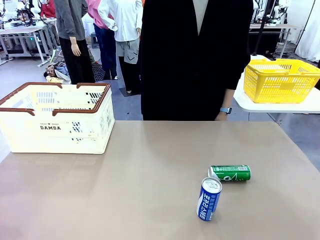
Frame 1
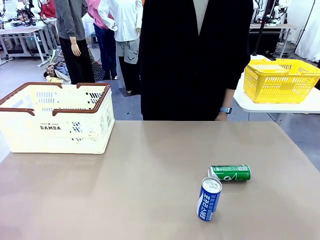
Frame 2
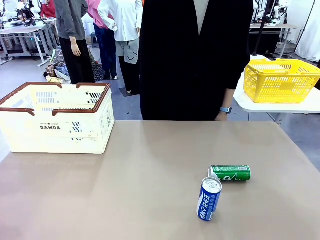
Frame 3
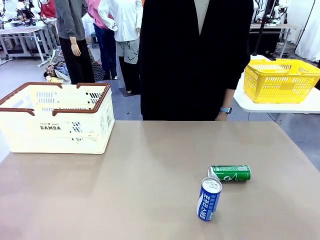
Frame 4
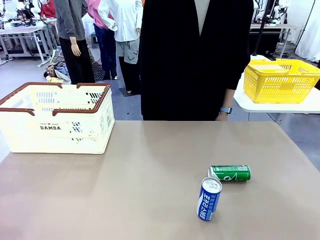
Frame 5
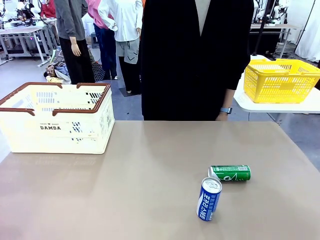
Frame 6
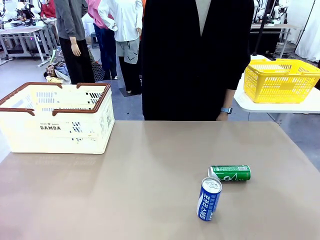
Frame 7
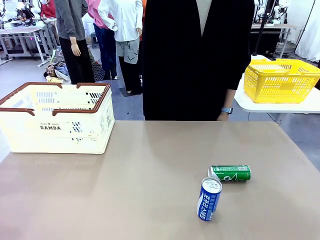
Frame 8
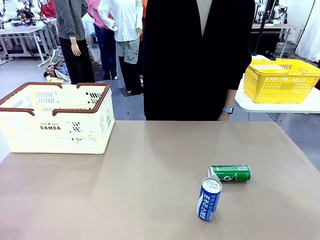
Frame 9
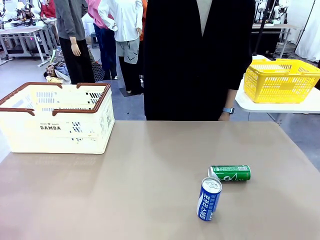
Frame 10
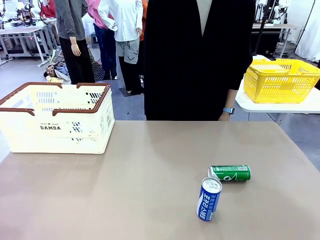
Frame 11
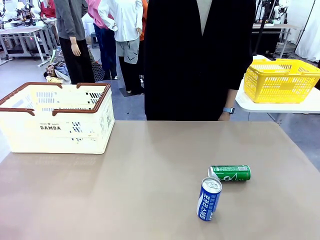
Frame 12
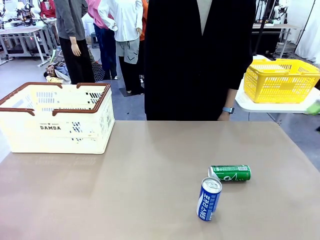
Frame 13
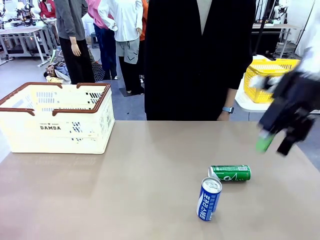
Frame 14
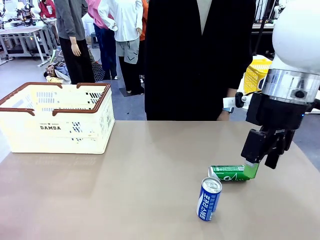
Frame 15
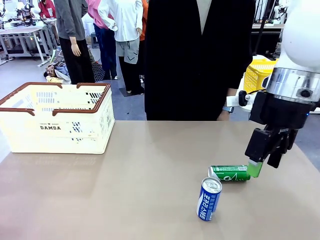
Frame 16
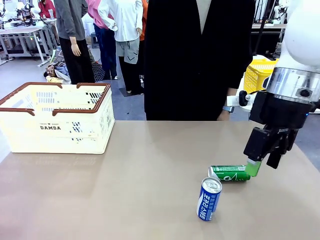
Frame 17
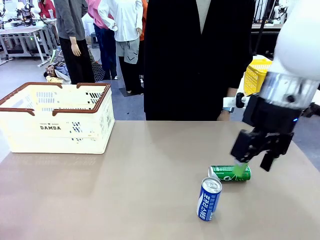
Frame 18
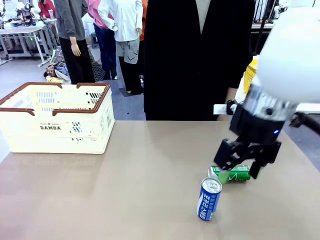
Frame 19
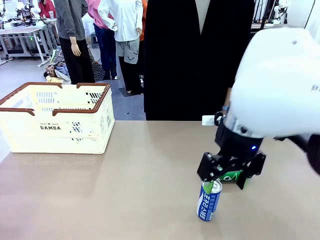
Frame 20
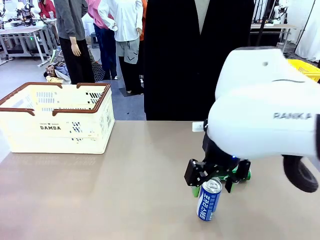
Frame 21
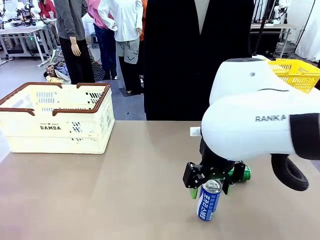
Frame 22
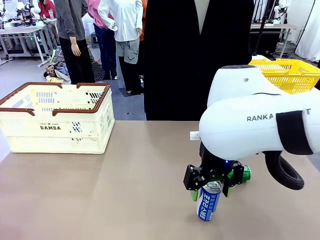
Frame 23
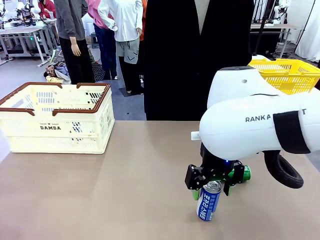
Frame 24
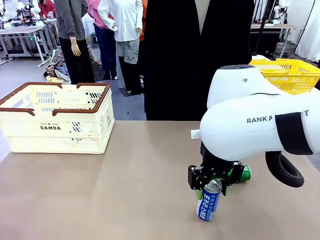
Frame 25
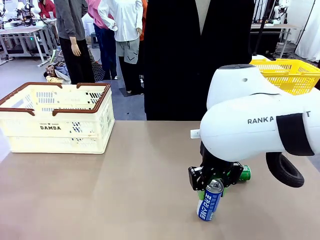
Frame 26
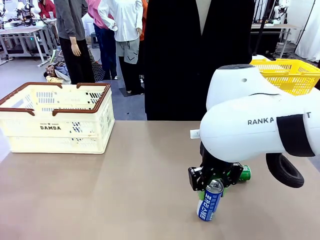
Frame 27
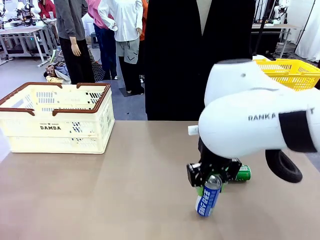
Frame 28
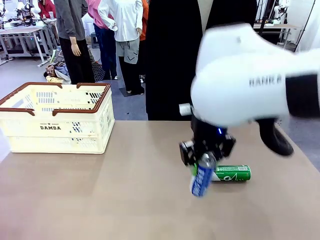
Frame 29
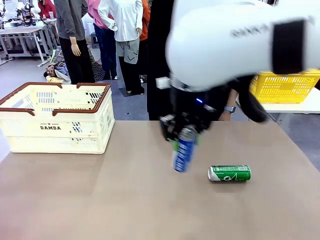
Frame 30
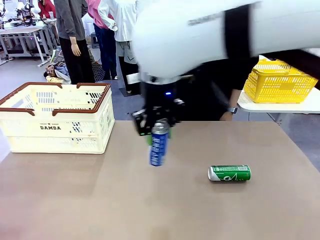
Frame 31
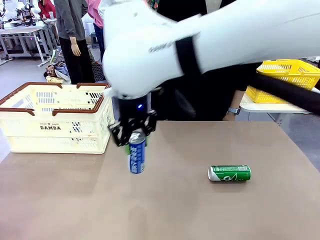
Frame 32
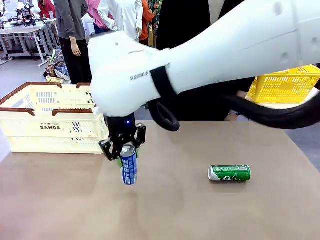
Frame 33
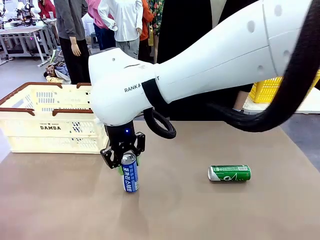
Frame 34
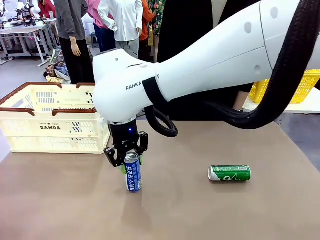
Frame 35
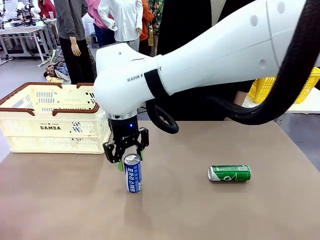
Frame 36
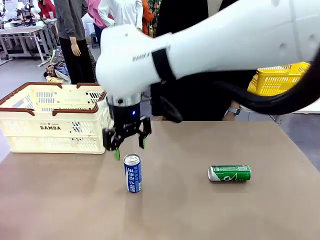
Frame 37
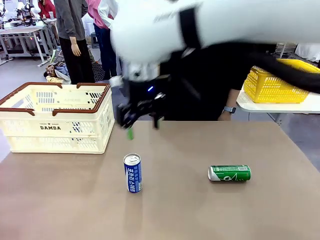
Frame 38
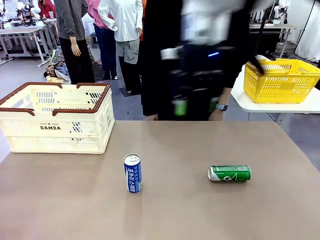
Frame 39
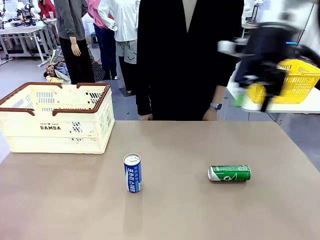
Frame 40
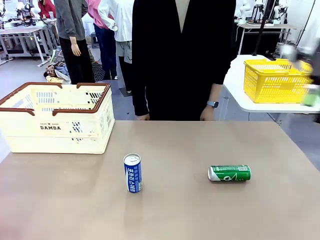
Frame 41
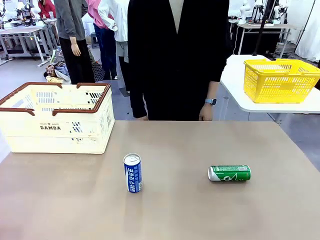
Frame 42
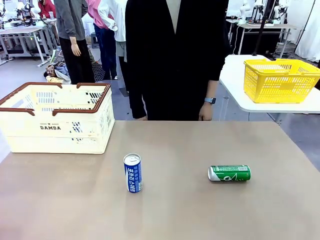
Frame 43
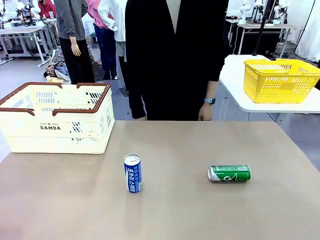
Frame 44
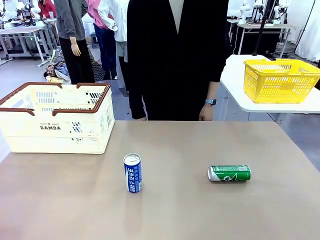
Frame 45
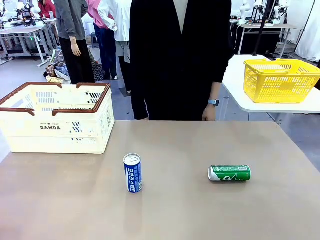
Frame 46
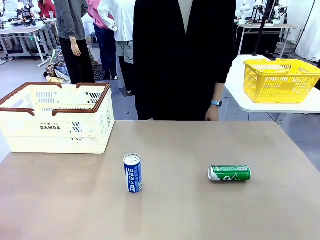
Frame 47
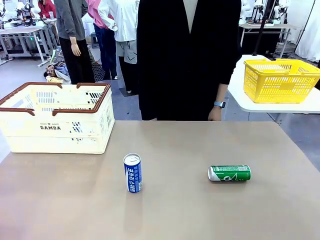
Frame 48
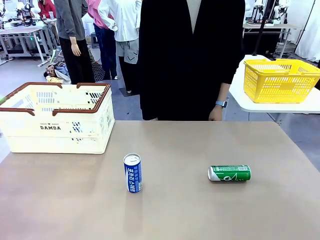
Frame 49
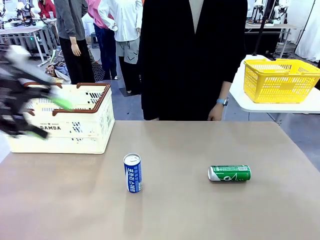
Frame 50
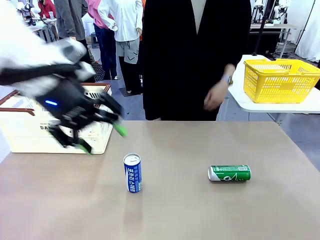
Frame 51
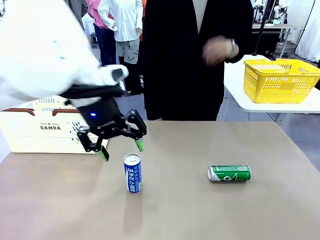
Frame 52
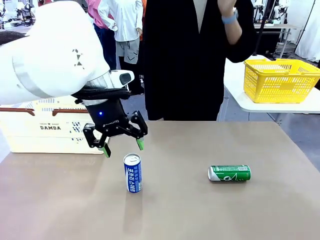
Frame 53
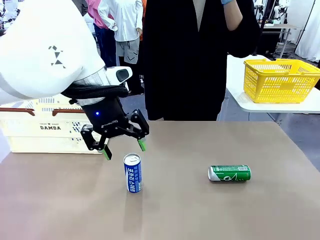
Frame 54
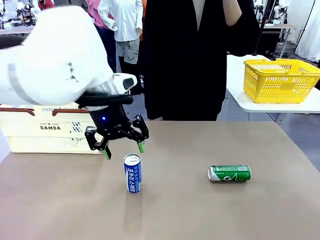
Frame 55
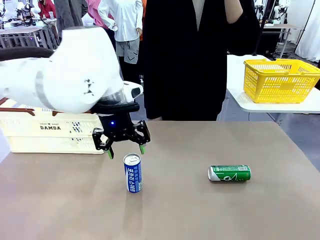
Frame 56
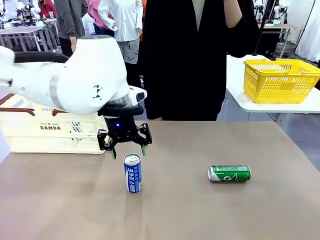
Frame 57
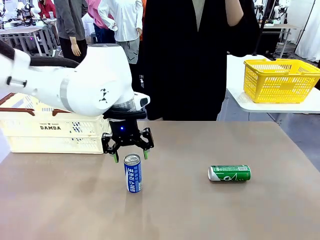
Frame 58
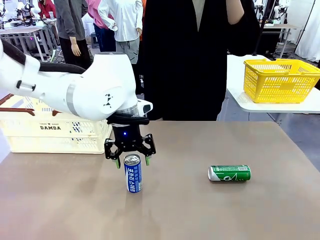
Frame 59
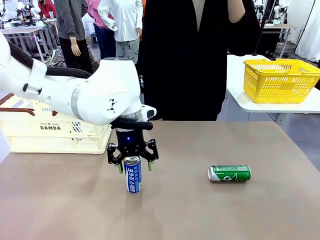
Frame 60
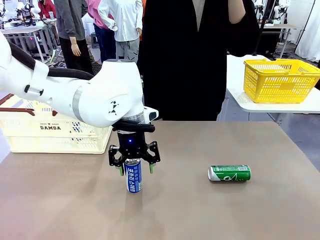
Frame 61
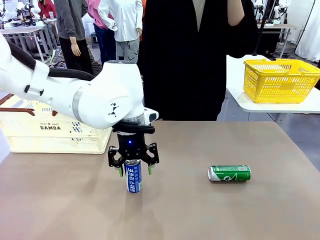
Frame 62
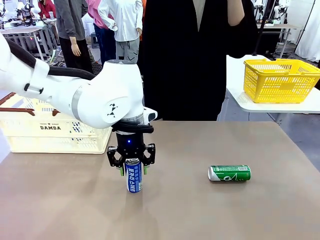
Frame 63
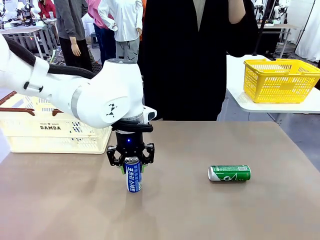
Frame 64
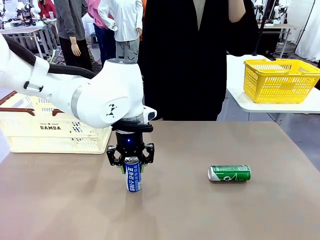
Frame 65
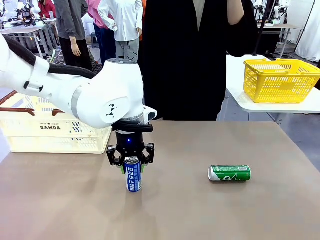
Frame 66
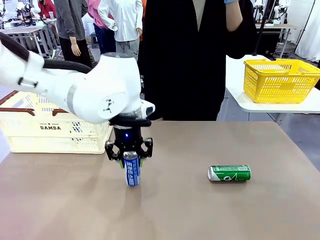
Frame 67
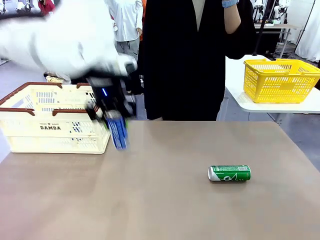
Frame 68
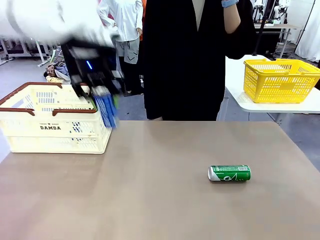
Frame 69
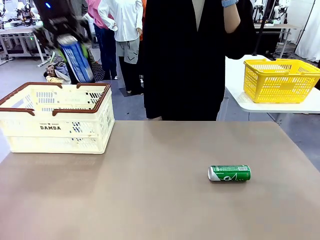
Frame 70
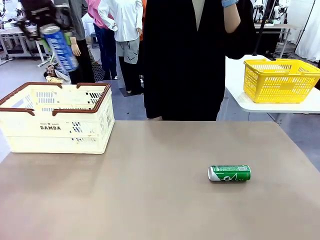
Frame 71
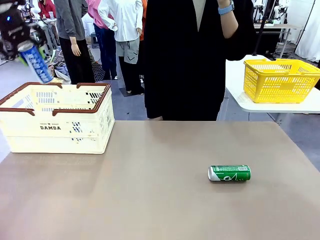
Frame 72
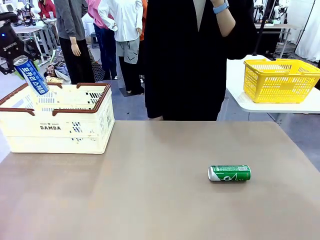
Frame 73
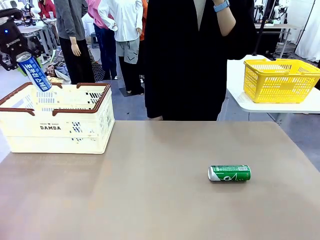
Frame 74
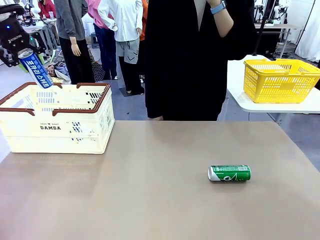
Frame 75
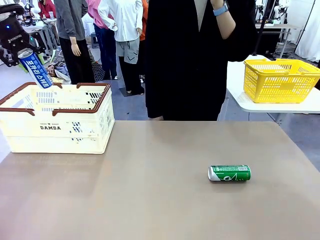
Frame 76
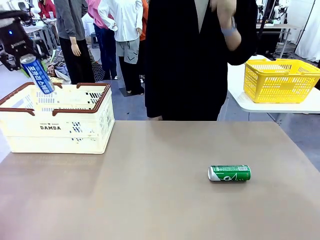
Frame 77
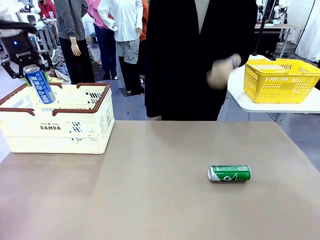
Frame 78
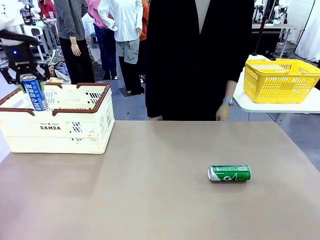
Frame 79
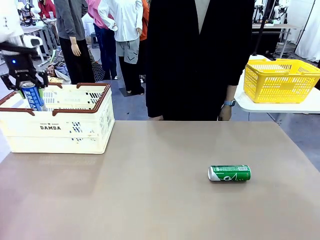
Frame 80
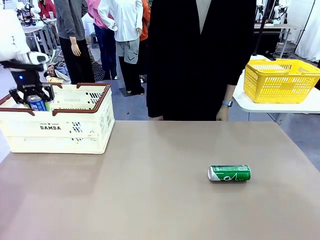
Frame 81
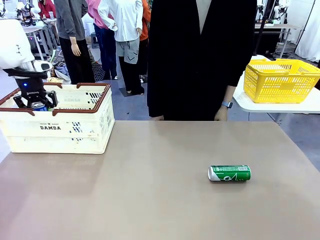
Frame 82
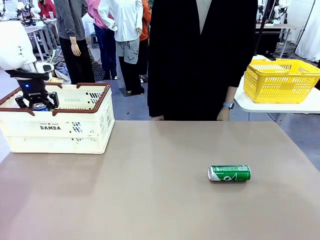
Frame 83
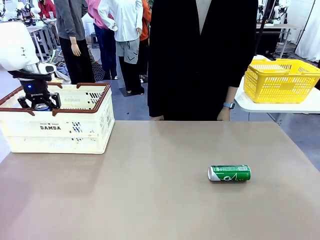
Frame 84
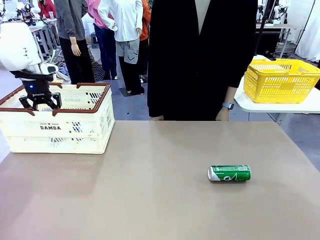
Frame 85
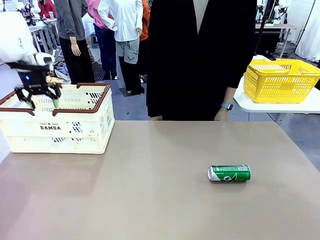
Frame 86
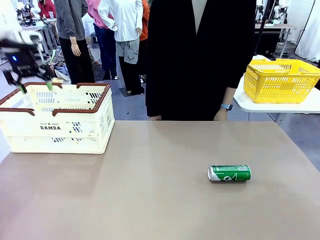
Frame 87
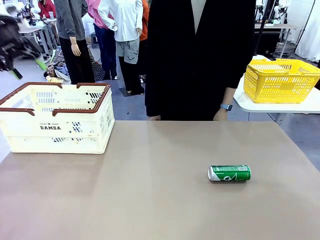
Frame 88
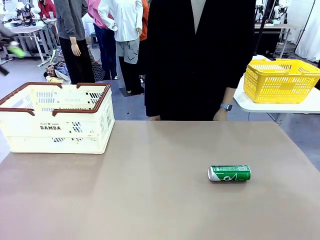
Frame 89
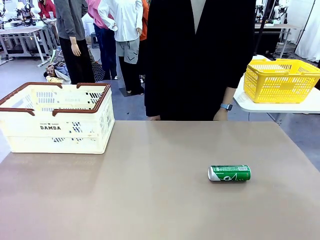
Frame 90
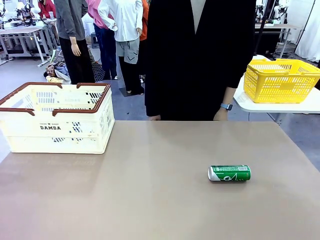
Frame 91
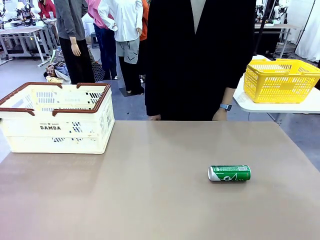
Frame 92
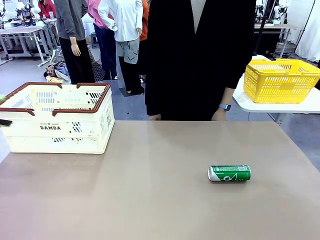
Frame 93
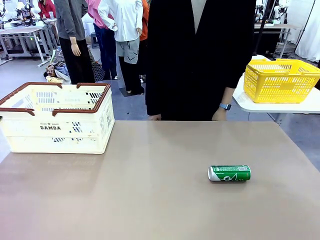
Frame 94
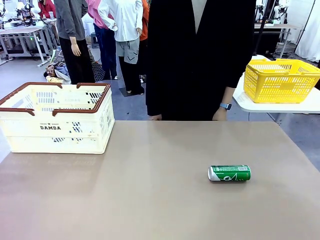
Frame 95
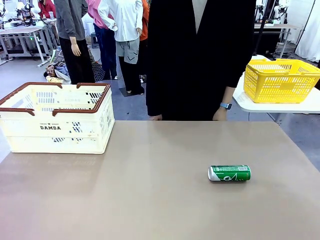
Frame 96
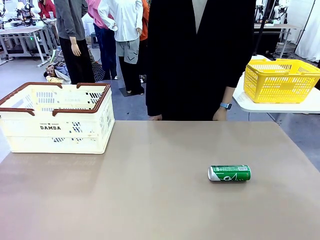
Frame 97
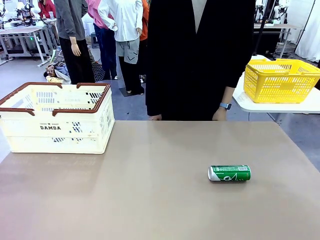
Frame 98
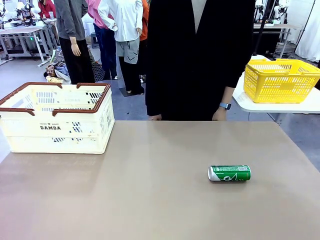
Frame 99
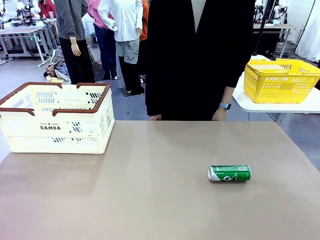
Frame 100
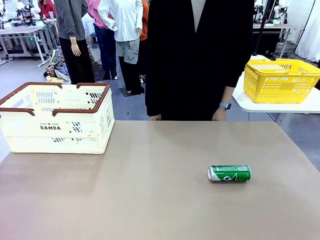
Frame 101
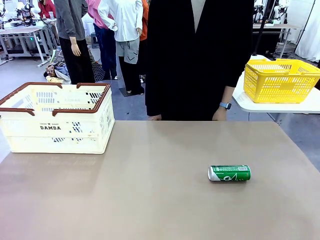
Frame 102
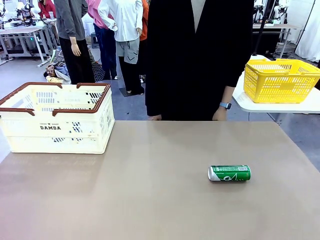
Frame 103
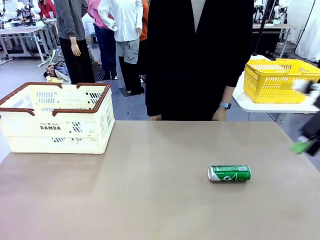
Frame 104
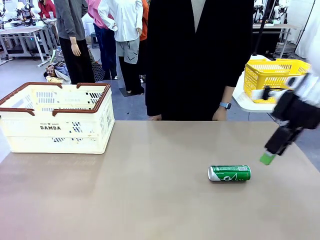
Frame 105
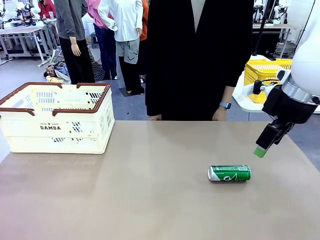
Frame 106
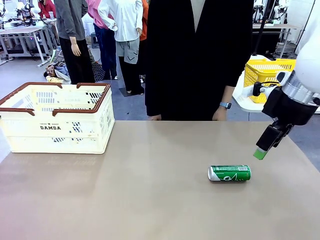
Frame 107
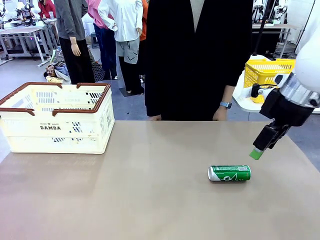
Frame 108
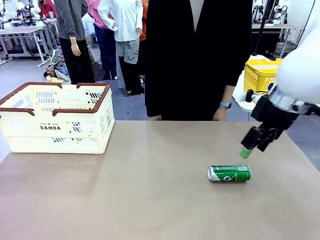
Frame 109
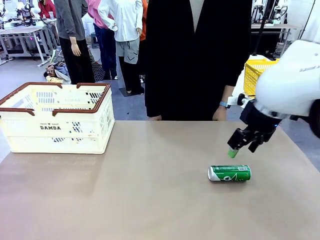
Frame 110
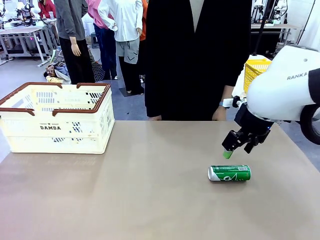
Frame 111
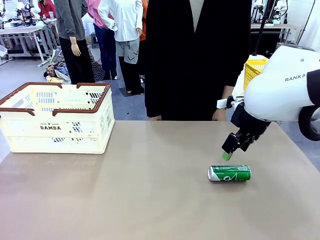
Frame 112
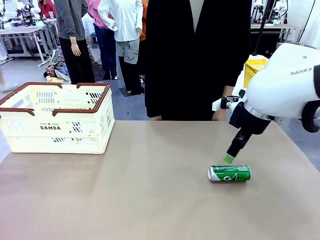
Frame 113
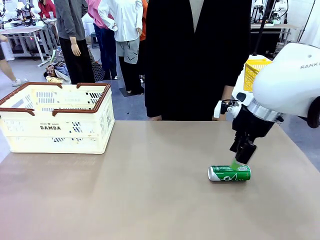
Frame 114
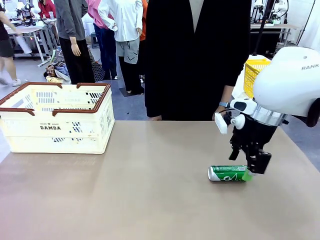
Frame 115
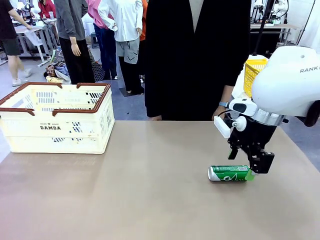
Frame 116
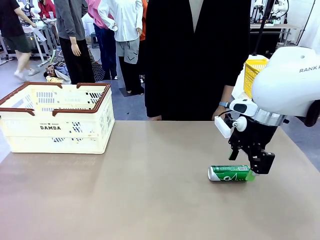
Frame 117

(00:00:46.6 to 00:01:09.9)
Task: Place the drinks into the Shopping basket.
Robot: Pick up one drink and place it into the Shopping basket.
